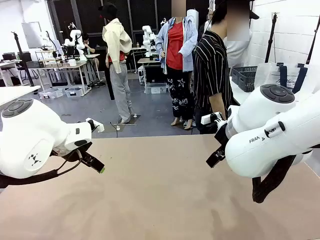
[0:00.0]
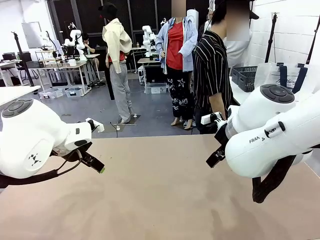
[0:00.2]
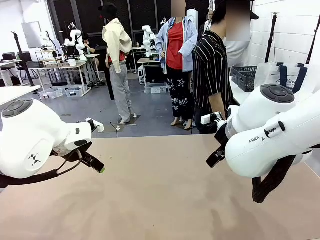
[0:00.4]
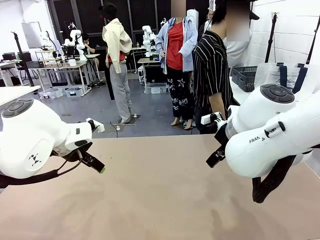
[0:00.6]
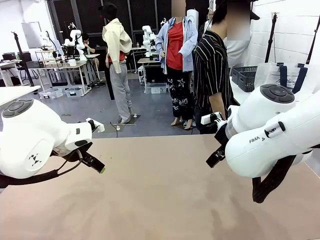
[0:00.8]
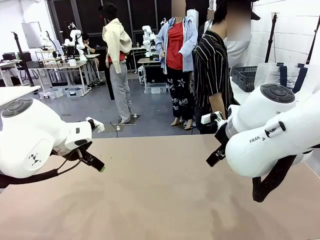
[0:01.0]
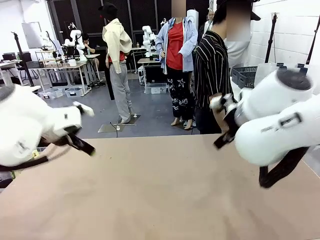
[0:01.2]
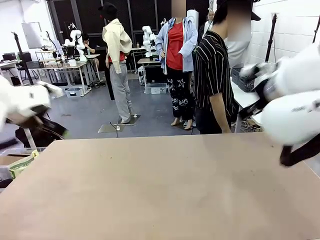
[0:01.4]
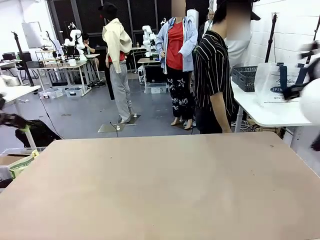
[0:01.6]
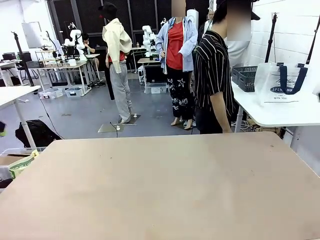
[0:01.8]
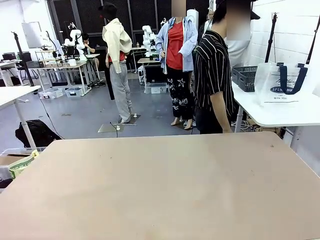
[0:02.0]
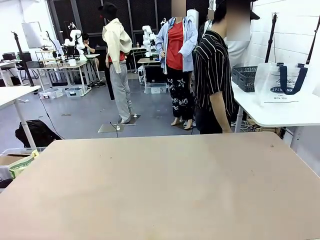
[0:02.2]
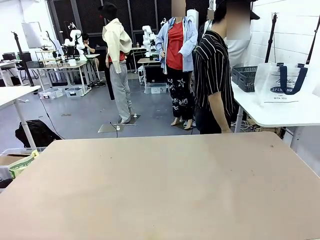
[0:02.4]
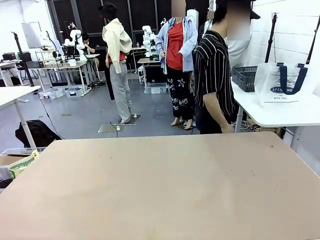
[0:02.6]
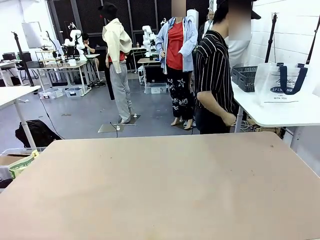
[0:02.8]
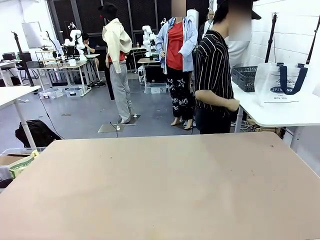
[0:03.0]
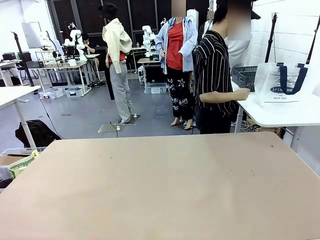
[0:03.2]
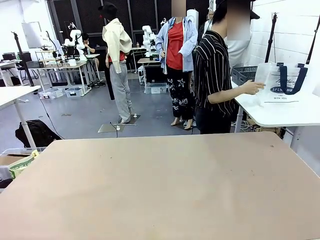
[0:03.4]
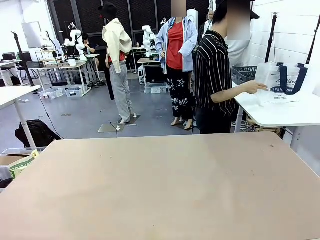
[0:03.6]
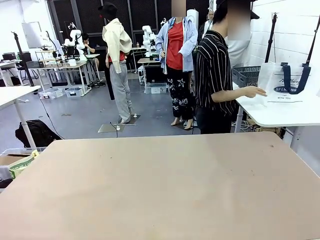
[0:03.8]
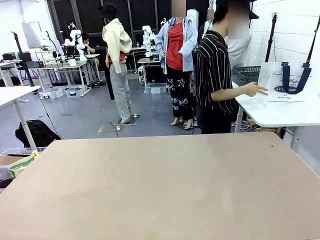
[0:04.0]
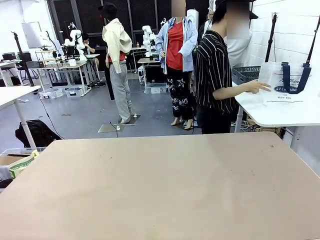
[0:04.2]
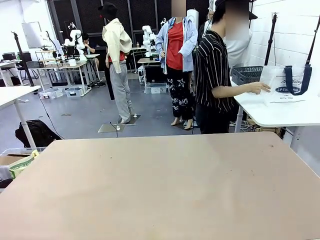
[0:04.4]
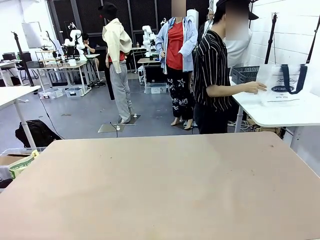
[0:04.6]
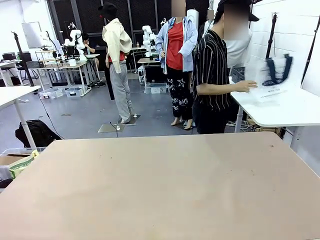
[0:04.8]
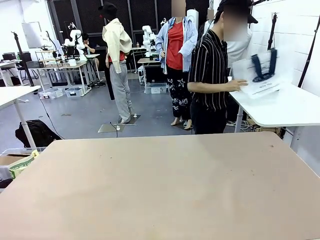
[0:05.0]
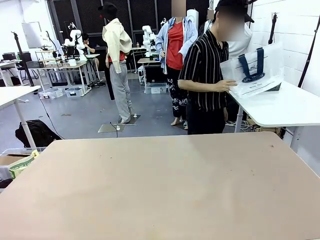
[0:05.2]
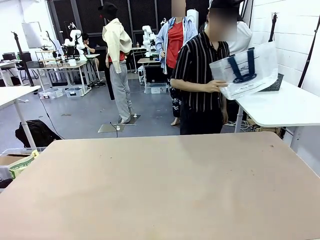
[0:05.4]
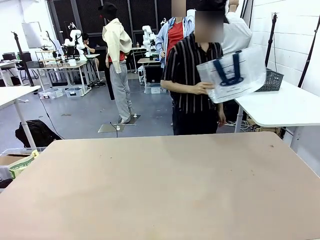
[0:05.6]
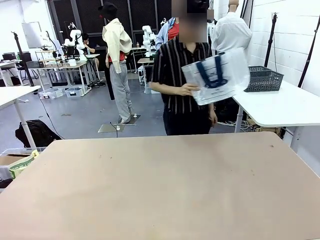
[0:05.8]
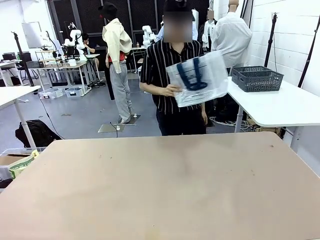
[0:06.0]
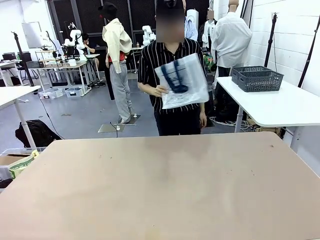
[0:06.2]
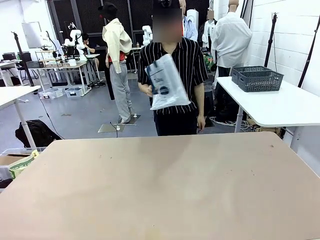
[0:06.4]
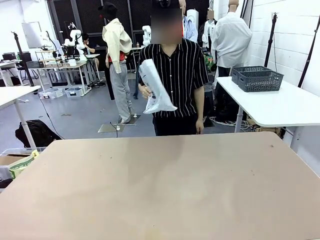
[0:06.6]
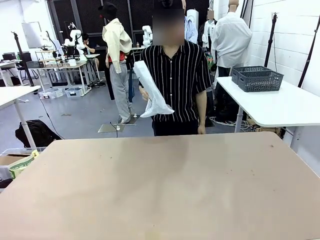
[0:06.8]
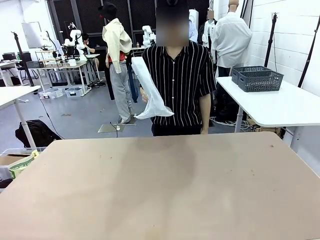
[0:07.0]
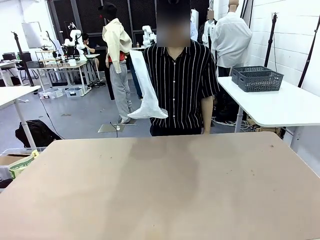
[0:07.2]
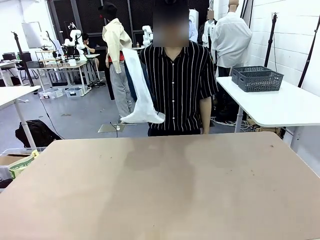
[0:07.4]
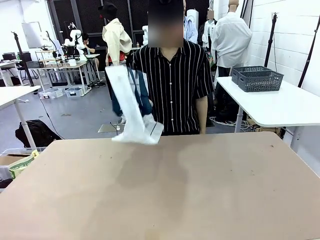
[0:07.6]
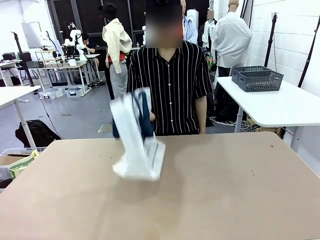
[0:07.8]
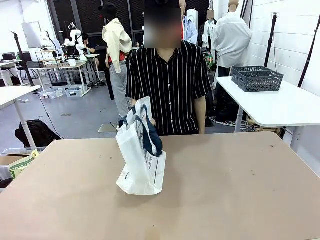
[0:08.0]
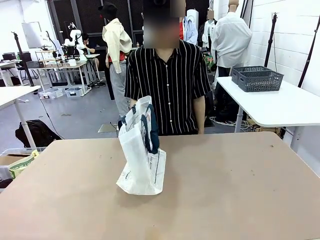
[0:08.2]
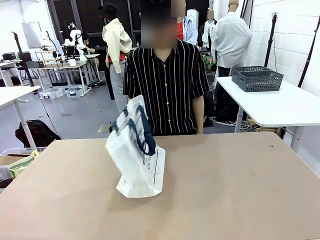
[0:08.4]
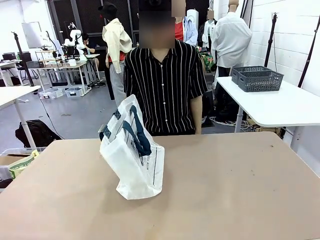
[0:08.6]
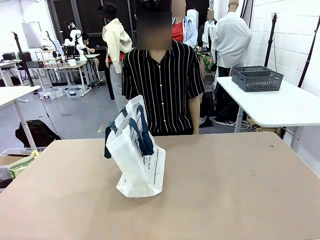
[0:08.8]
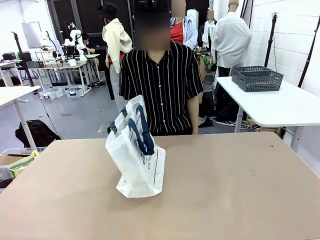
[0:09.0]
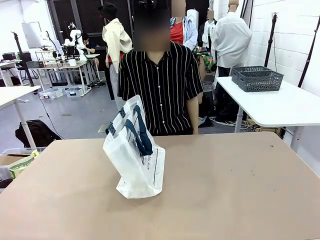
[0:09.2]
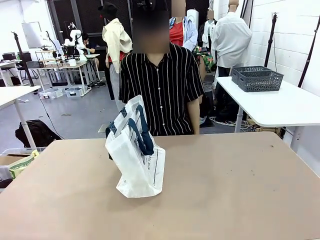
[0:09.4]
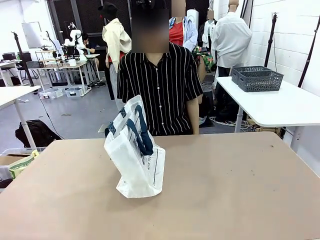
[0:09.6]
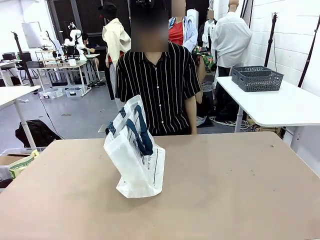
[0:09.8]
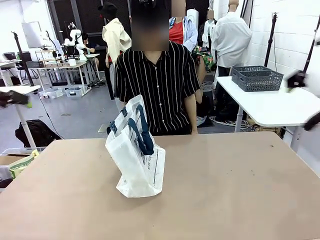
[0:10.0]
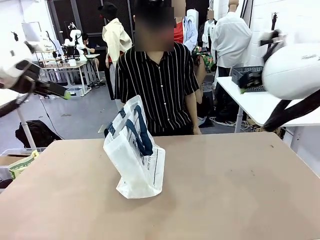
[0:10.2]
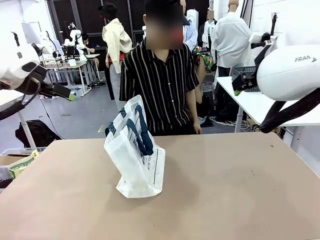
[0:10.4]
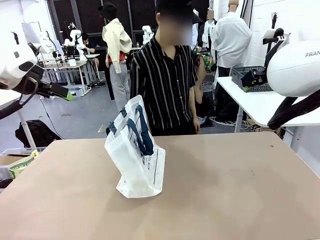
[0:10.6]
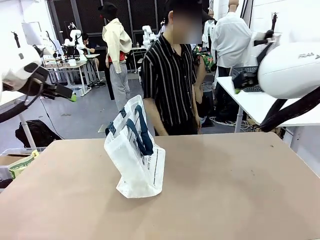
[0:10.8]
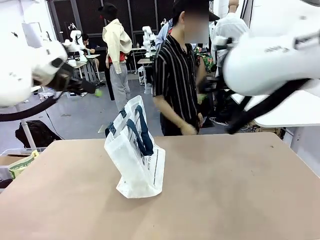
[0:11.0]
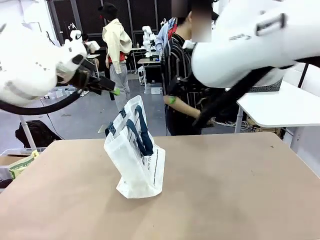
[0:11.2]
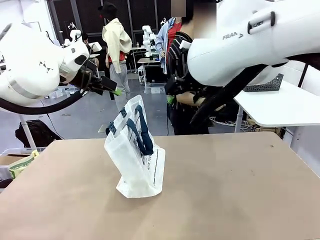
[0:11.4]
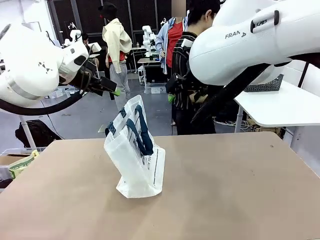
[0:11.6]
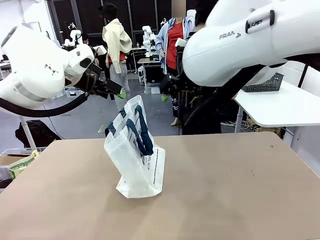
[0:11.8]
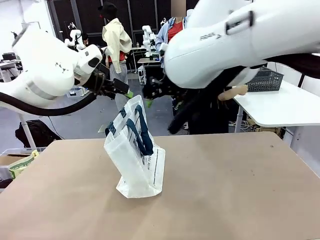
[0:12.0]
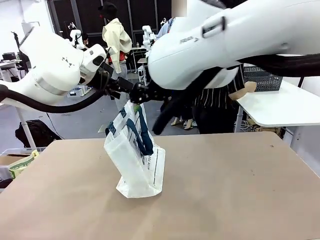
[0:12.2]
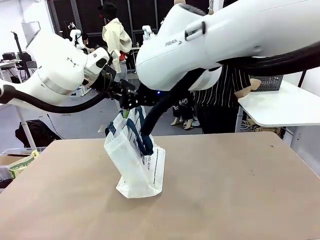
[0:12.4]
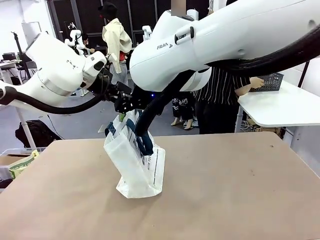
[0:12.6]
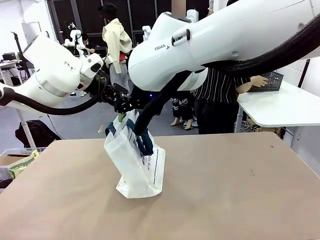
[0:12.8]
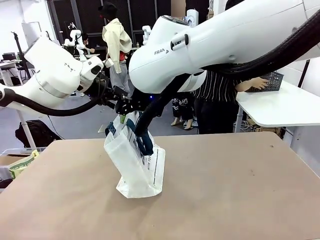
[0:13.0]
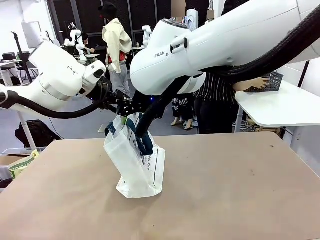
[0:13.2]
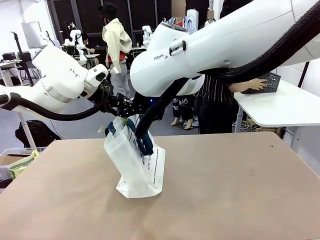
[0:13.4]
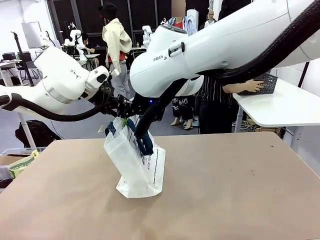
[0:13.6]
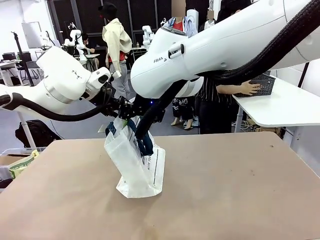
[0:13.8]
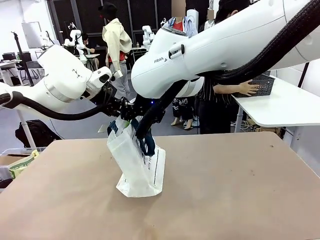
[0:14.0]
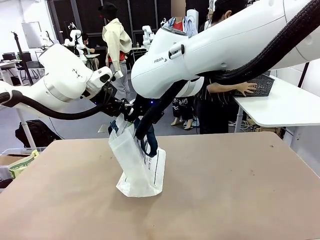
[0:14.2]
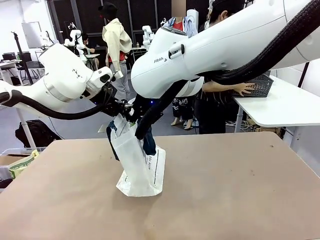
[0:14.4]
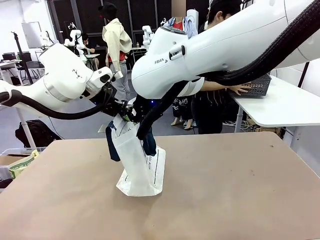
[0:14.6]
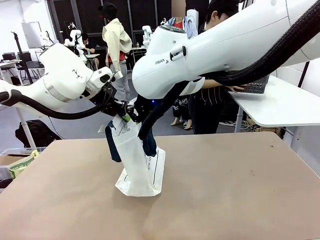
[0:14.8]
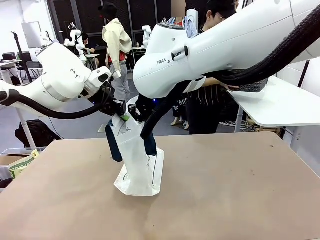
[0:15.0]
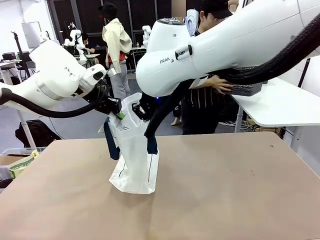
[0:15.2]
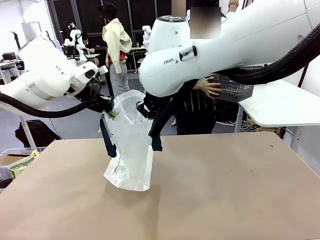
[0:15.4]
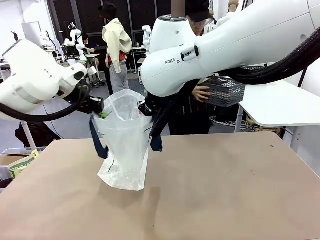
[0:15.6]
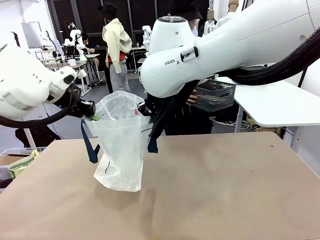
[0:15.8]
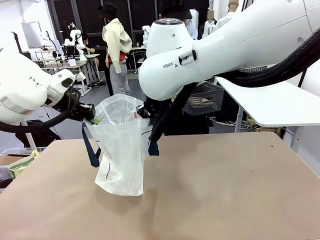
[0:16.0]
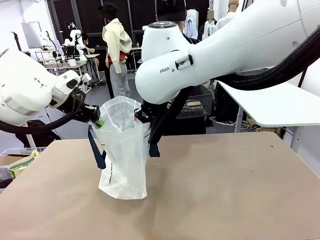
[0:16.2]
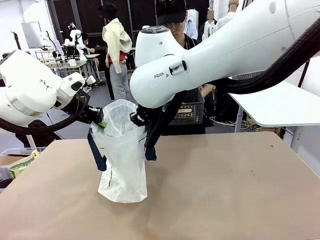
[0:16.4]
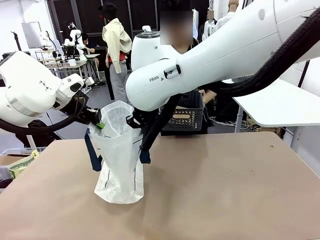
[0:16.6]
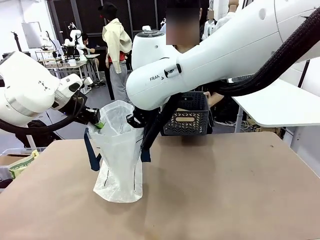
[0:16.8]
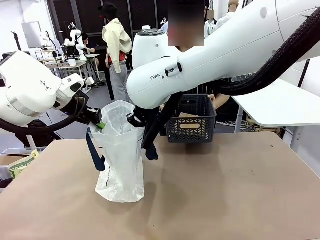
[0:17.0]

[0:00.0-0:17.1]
Task: Transfer purchased items from the store into the shopping bag.
Robot: Open the Reusable shopping bag in the center of the table.
Person: Pick up the shopping bag and place it in the middle of the robot table. Pick up the basket on the right, place it on the left side of the robot table, and move the items in the basket to the shopping bag.
